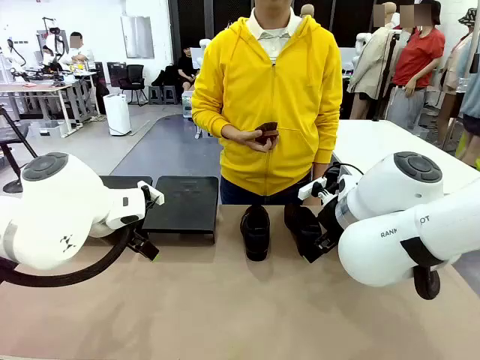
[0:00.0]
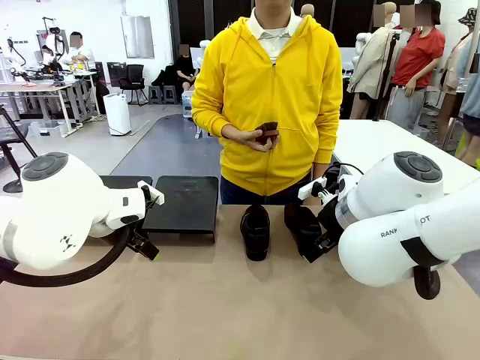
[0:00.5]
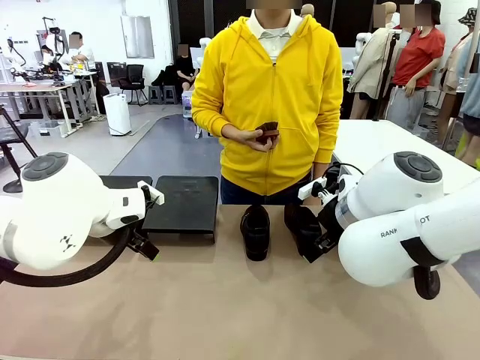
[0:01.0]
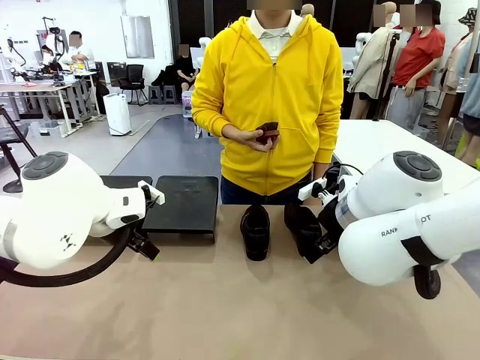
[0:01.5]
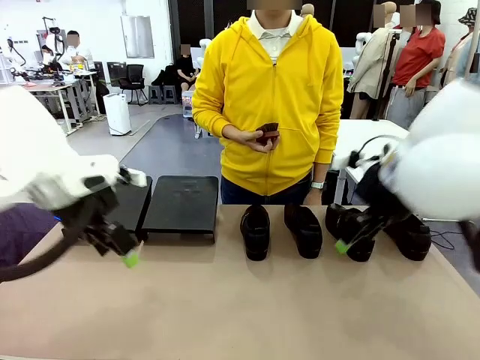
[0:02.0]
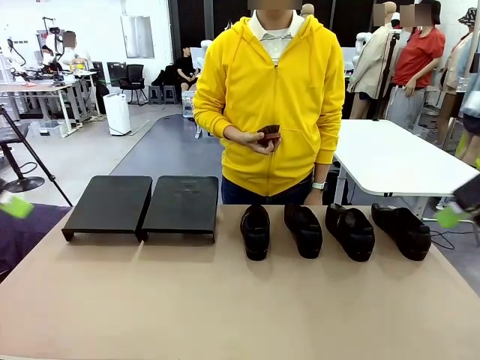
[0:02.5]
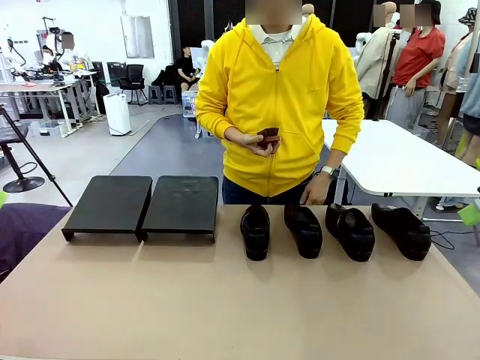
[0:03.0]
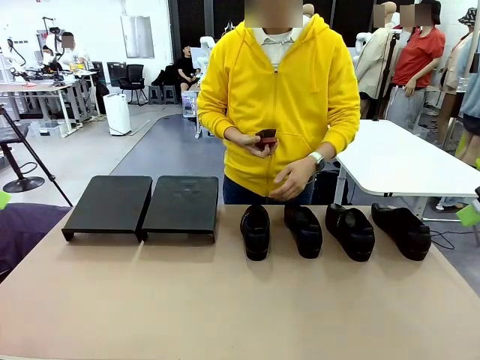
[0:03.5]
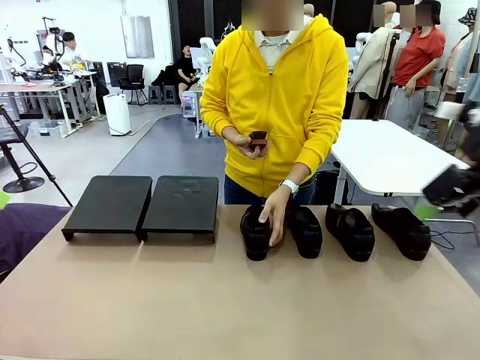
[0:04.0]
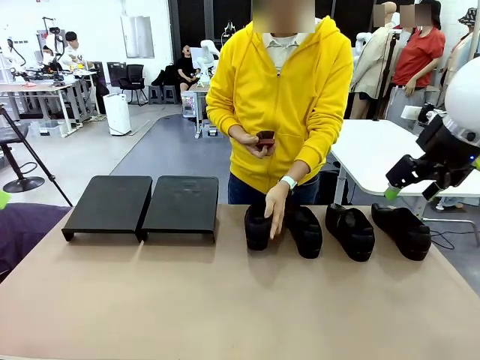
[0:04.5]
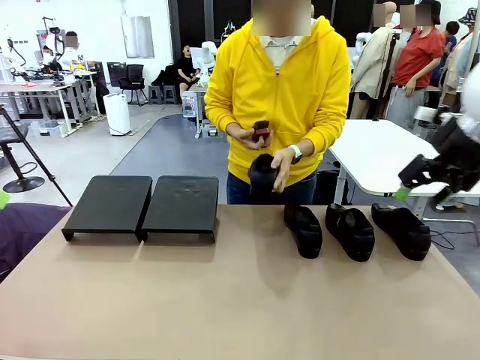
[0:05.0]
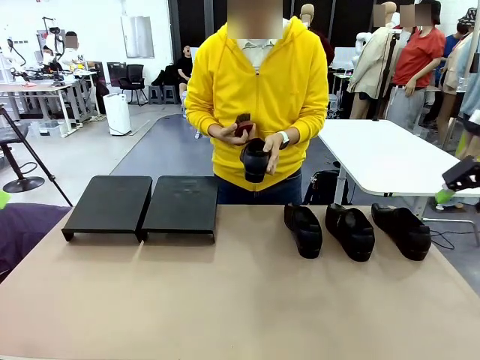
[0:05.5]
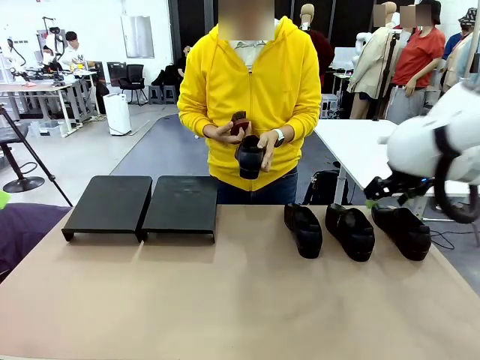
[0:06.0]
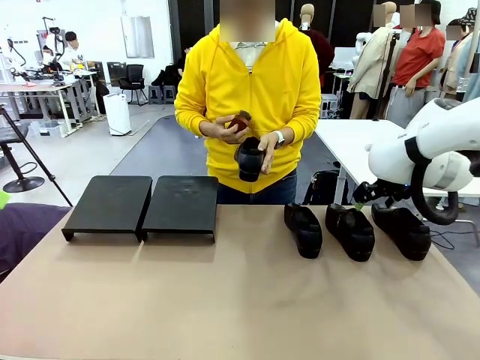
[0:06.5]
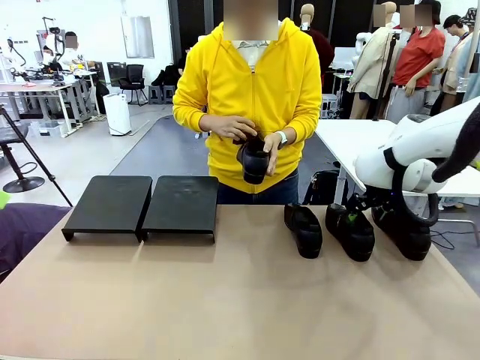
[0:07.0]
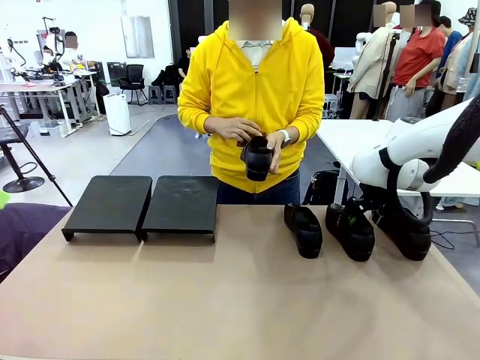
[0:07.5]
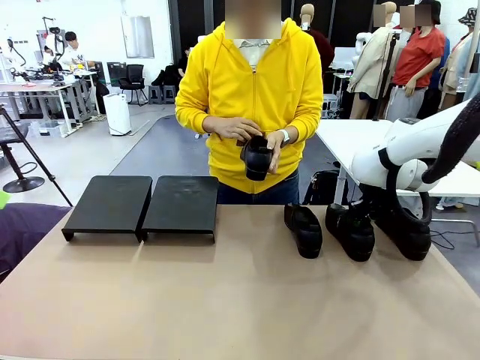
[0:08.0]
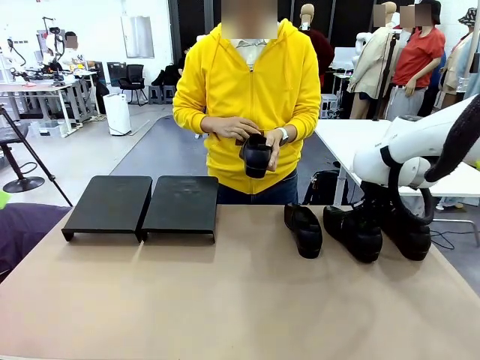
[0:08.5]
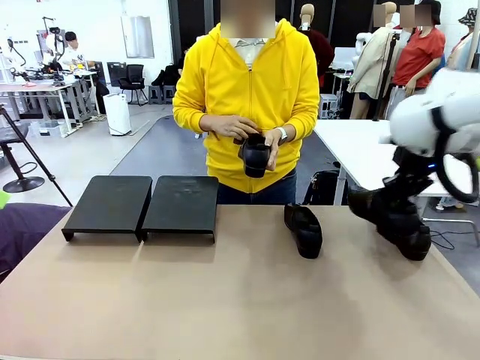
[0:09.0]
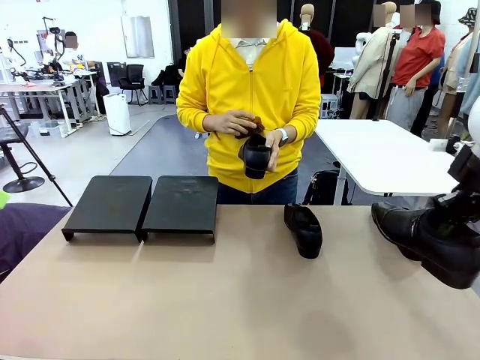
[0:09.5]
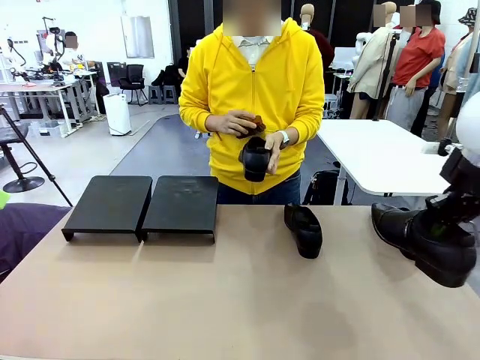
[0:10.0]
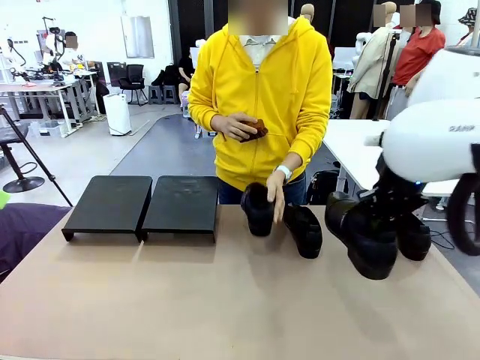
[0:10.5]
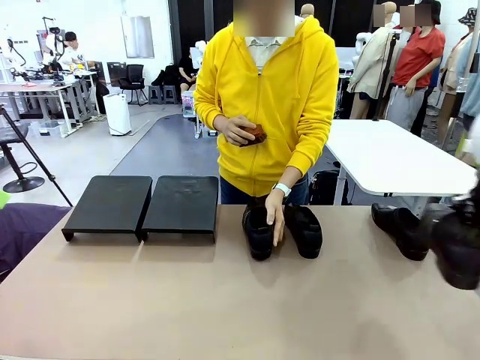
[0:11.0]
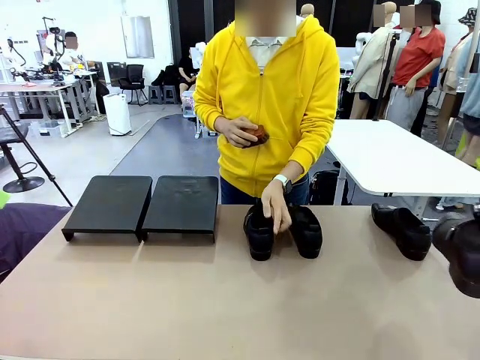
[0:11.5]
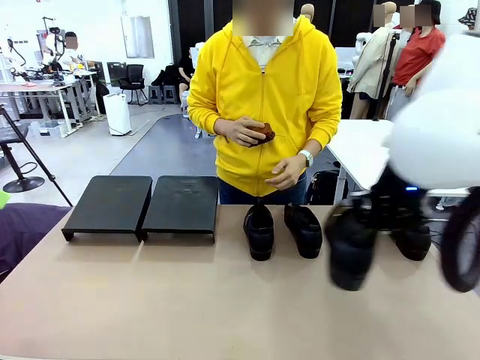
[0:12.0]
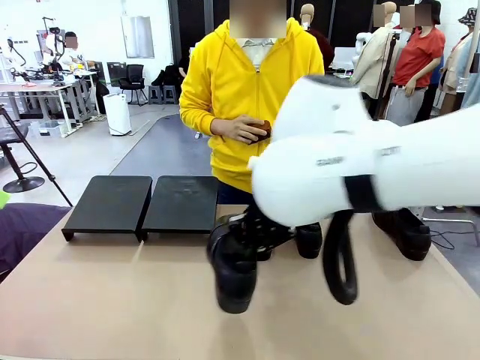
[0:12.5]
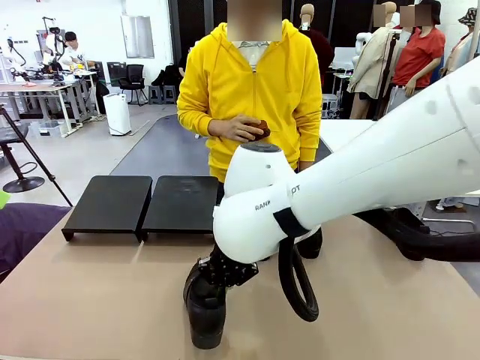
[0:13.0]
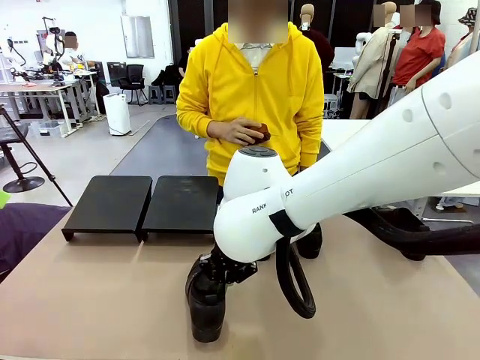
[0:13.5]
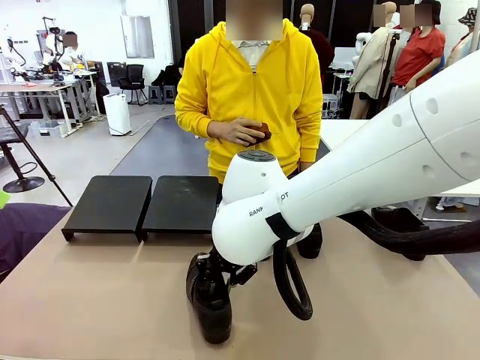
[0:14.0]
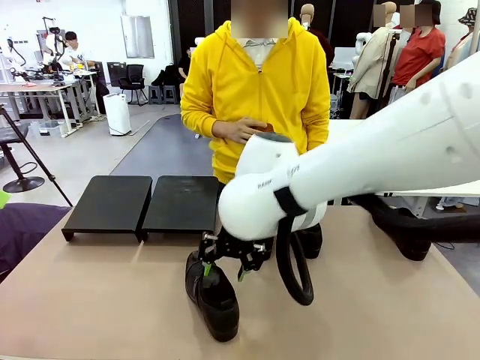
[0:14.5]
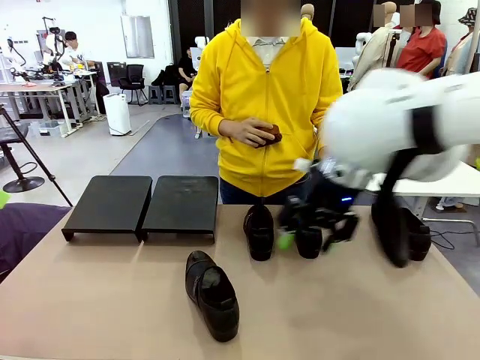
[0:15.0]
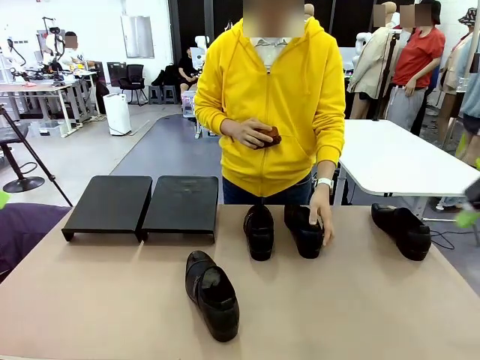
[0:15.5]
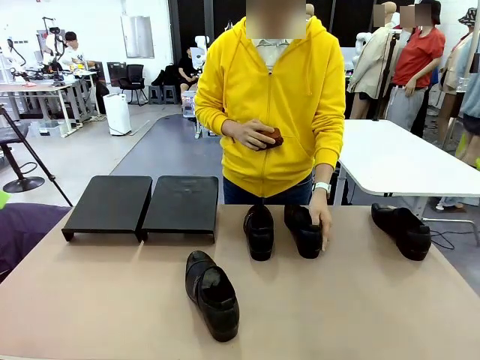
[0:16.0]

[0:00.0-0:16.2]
Task: Organize the shoes by placing them on the stand.
Robot: Pick up one Shoe and place it in the middle of the table.
Person: Pick one Shoe on Robot's table. Clean the Shoe with the Shoe Brush. Place the Shoe on left side of the Robot's table. Pick one Shoe on Robot's table.

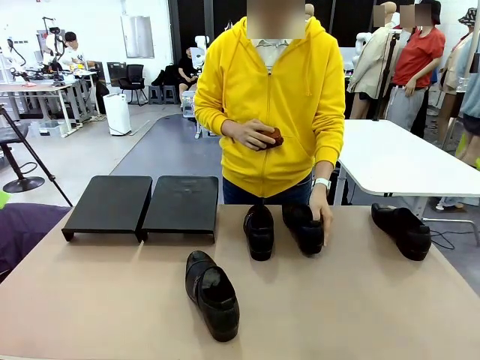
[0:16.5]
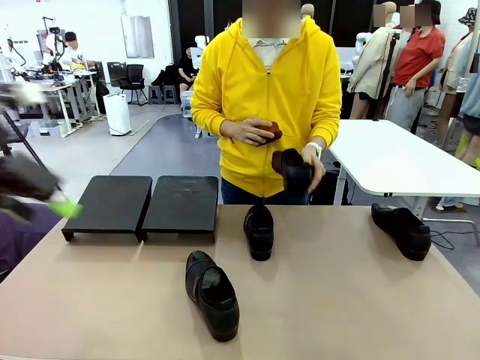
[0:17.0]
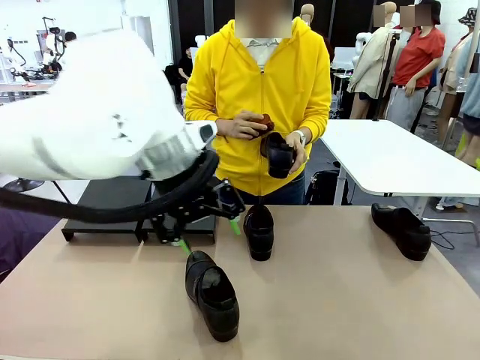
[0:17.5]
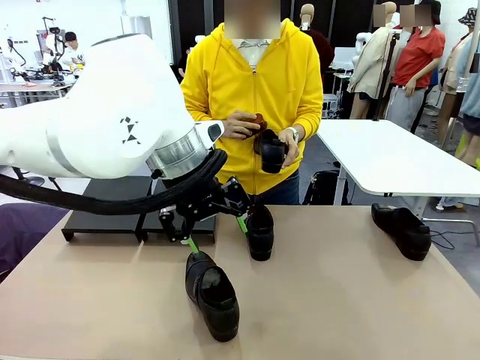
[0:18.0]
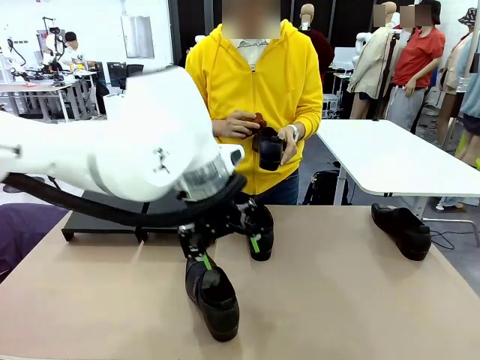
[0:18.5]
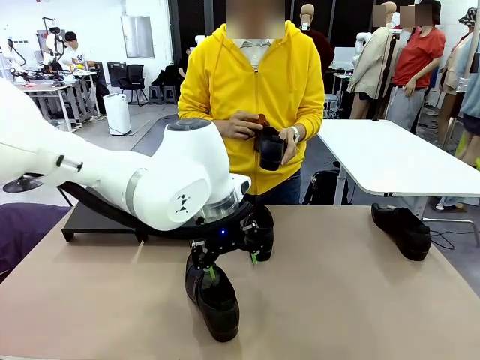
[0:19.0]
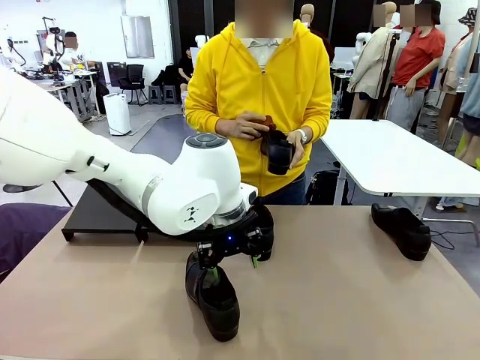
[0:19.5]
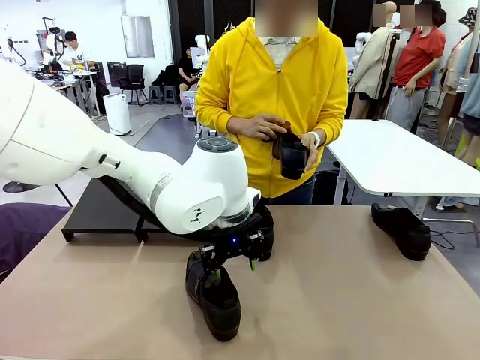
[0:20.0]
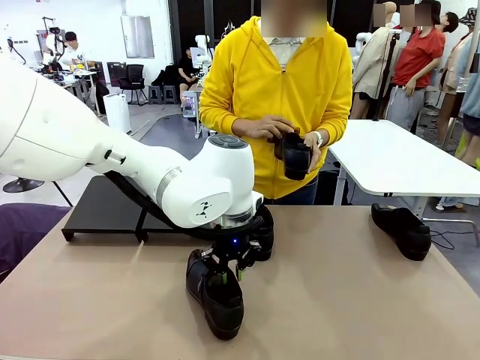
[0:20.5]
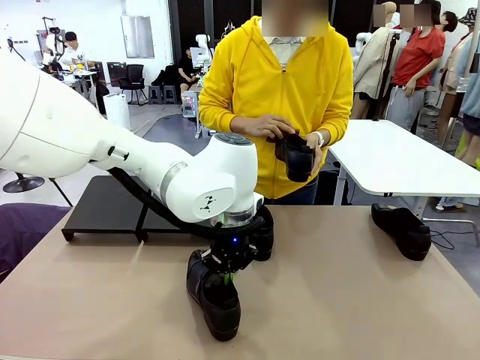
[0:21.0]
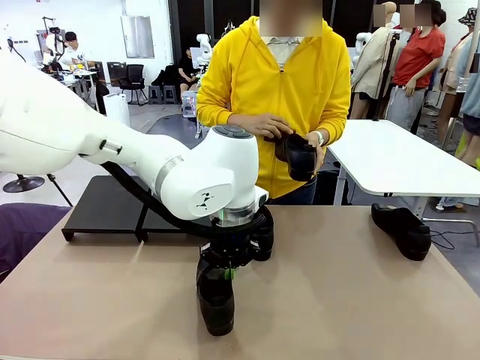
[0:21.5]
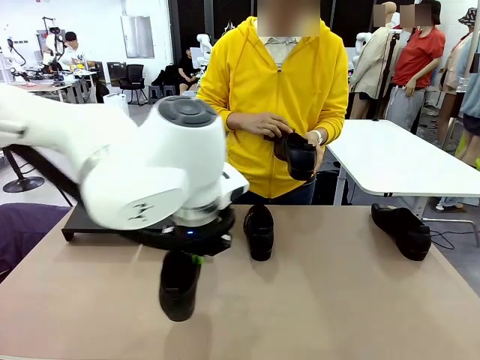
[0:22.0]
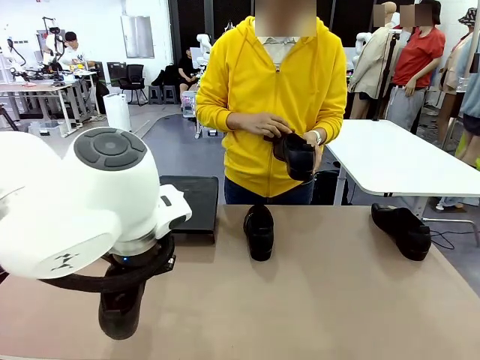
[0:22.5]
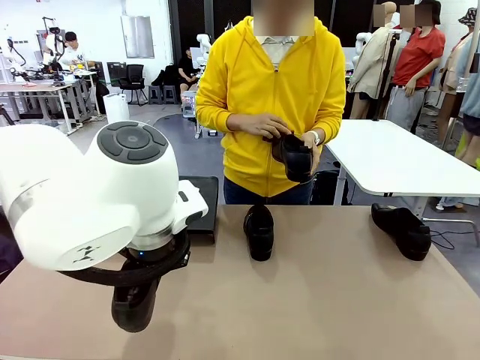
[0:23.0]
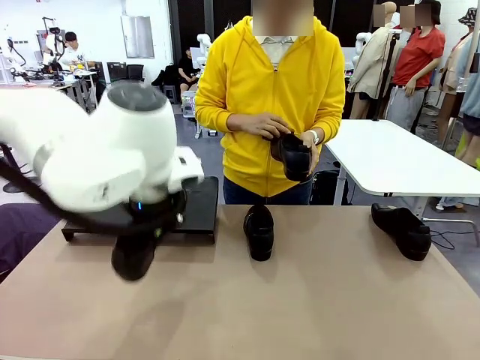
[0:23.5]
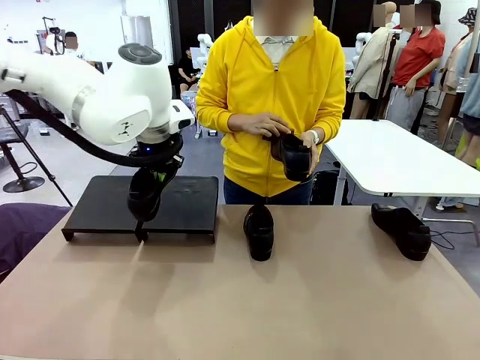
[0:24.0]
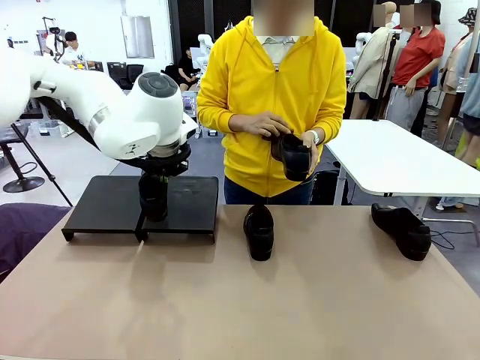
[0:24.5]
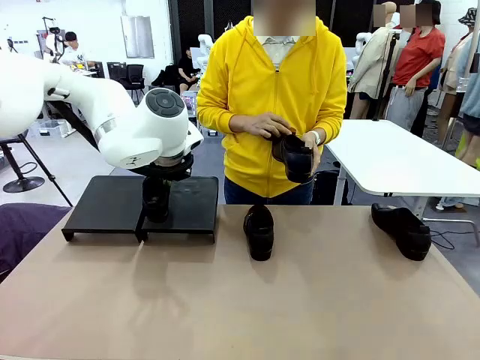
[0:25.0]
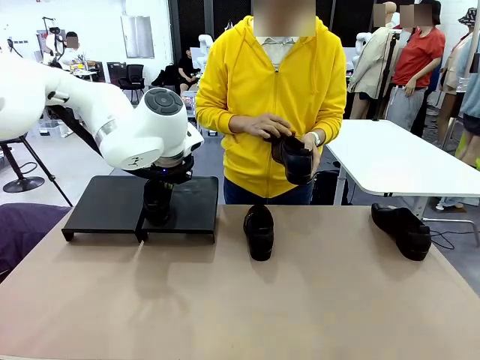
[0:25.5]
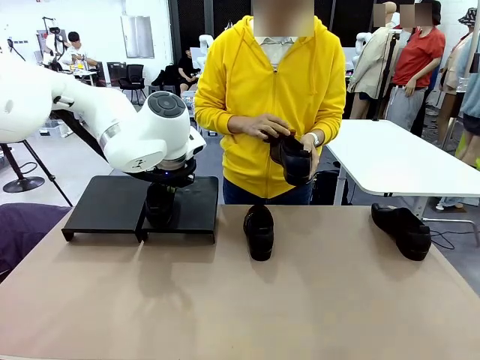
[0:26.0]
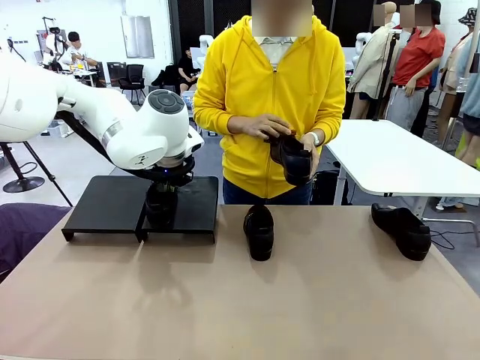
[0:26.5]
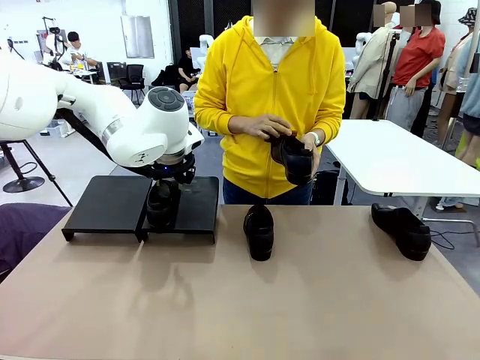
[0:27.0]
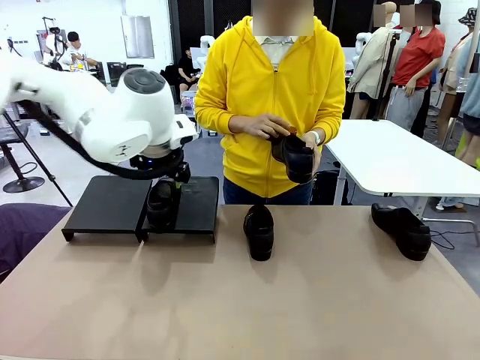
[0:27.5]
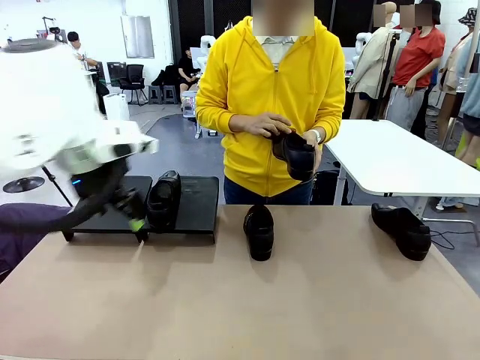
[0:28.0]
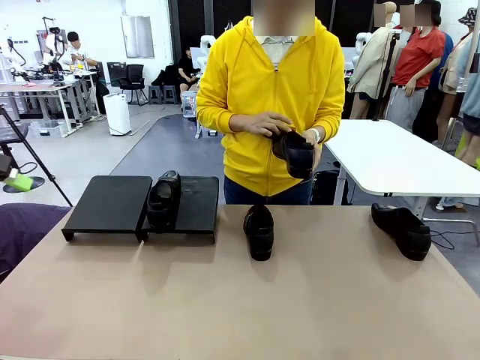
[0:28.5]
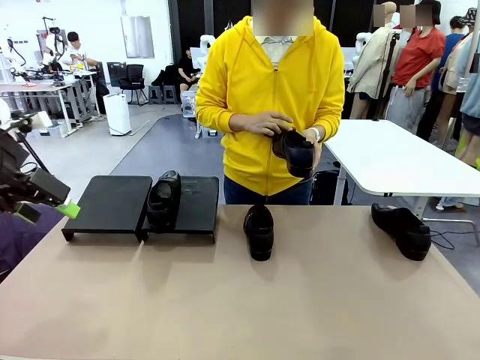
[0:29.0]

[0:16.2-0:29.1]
Robot: Place the Shoe from the middle of the table onto the Shoes Stand.
Person: Clean the Shoe with the Shoe Brush.
